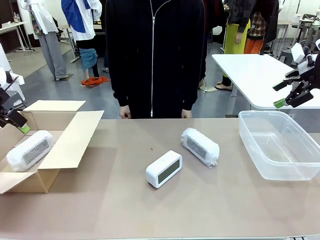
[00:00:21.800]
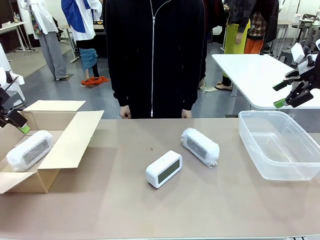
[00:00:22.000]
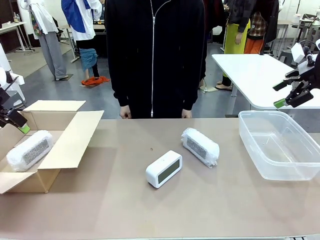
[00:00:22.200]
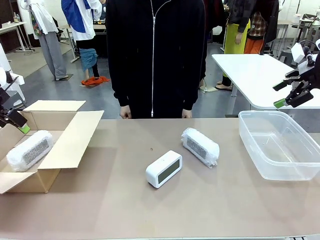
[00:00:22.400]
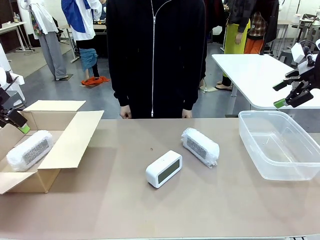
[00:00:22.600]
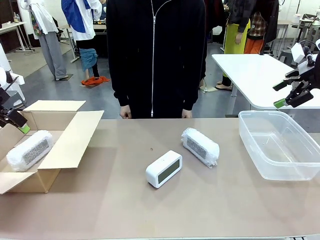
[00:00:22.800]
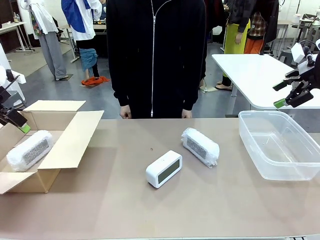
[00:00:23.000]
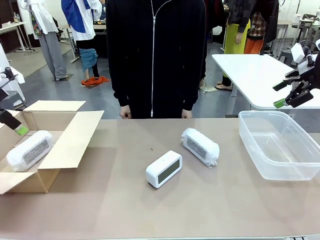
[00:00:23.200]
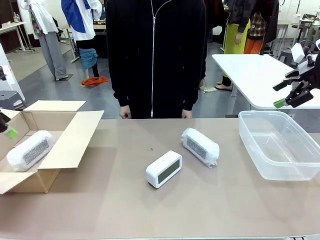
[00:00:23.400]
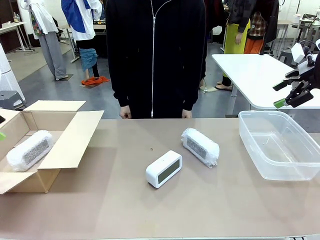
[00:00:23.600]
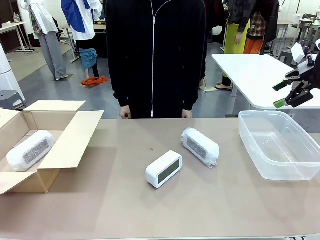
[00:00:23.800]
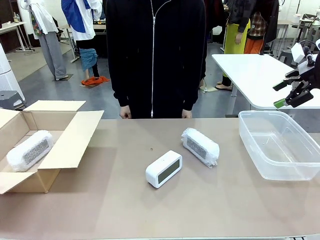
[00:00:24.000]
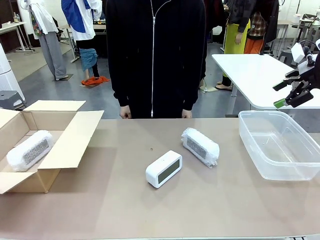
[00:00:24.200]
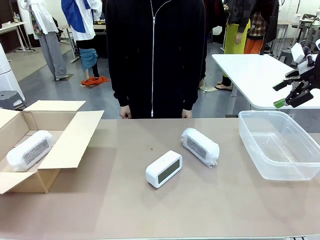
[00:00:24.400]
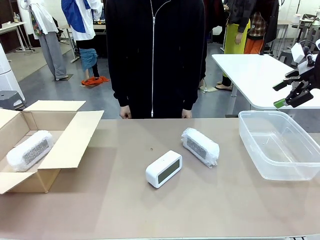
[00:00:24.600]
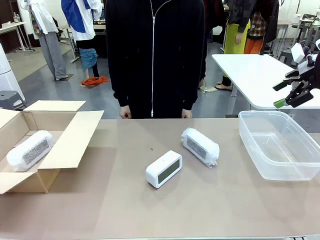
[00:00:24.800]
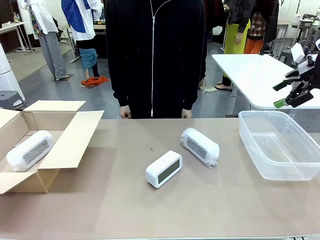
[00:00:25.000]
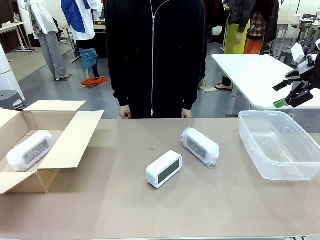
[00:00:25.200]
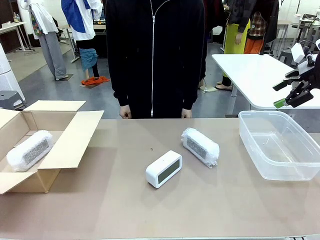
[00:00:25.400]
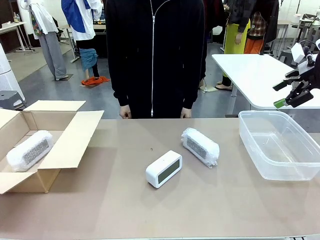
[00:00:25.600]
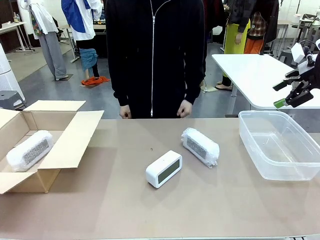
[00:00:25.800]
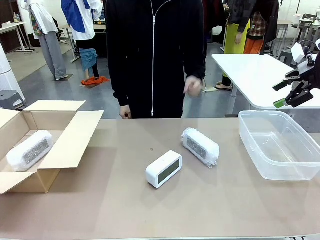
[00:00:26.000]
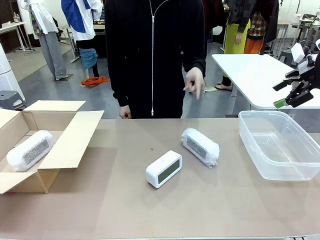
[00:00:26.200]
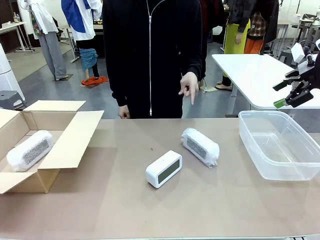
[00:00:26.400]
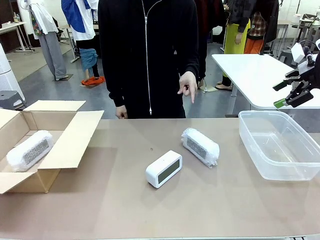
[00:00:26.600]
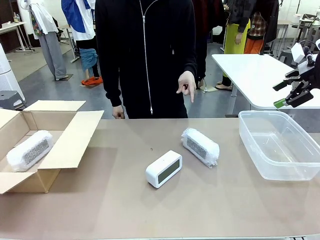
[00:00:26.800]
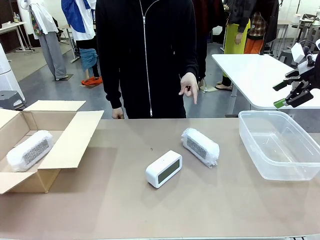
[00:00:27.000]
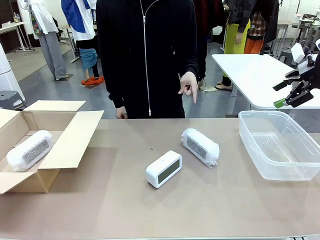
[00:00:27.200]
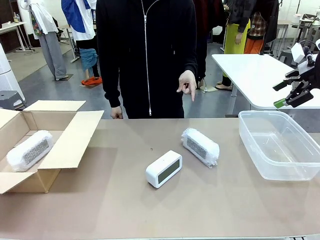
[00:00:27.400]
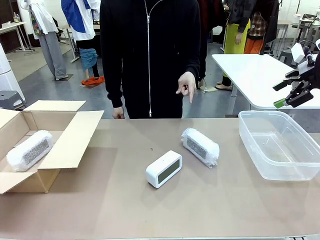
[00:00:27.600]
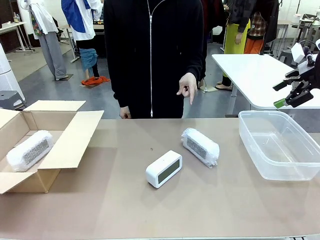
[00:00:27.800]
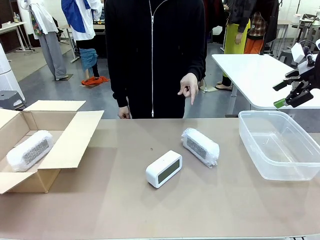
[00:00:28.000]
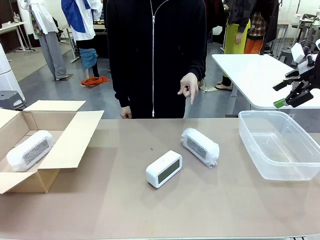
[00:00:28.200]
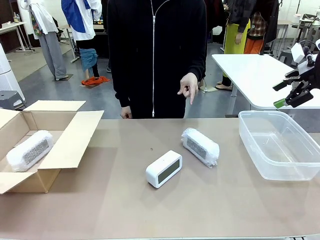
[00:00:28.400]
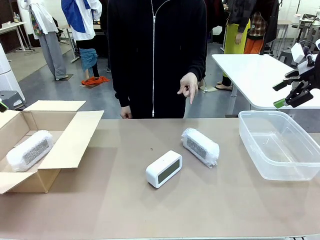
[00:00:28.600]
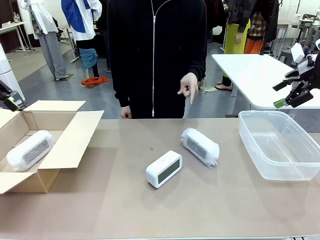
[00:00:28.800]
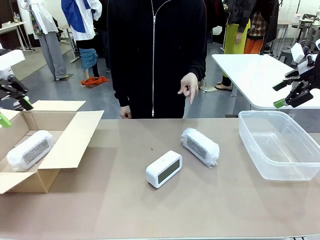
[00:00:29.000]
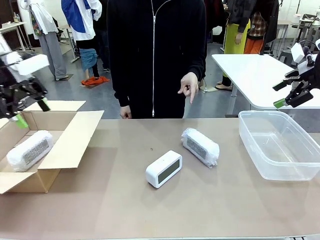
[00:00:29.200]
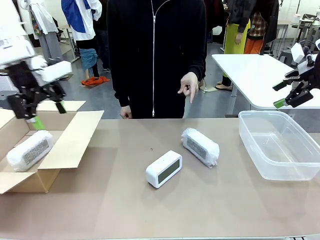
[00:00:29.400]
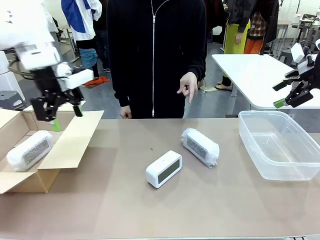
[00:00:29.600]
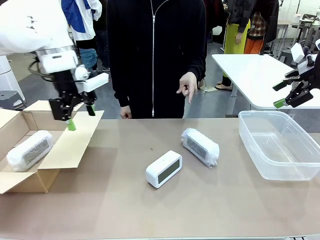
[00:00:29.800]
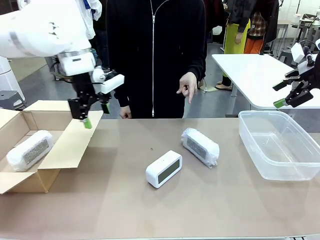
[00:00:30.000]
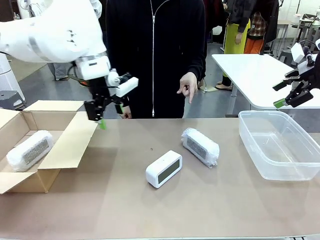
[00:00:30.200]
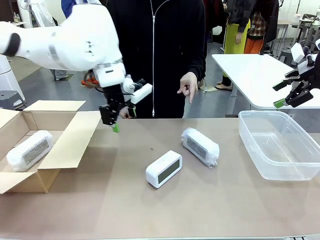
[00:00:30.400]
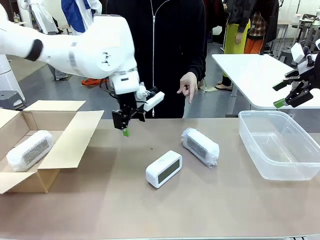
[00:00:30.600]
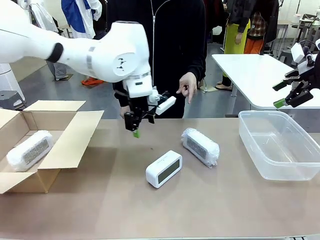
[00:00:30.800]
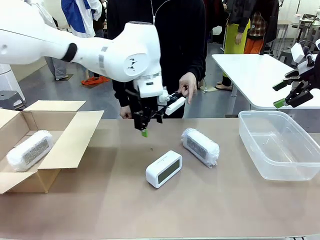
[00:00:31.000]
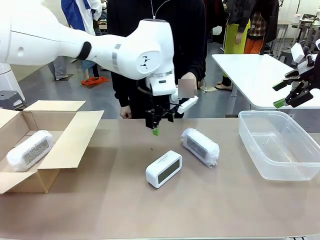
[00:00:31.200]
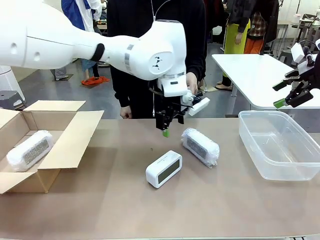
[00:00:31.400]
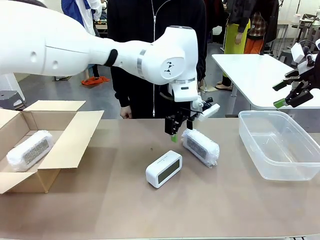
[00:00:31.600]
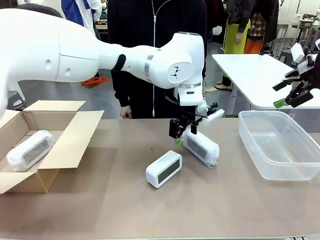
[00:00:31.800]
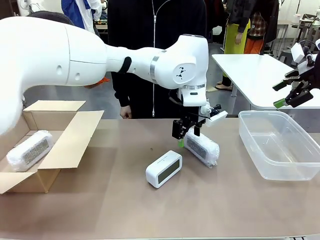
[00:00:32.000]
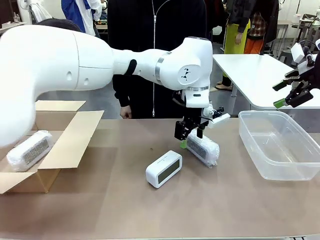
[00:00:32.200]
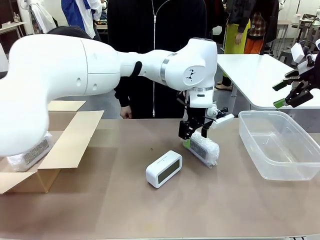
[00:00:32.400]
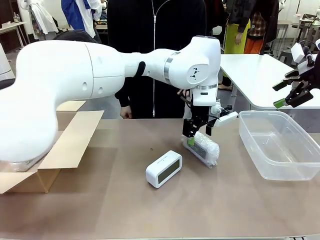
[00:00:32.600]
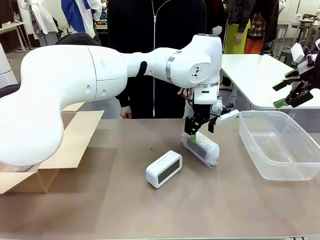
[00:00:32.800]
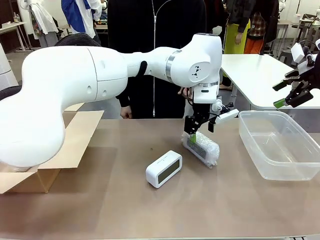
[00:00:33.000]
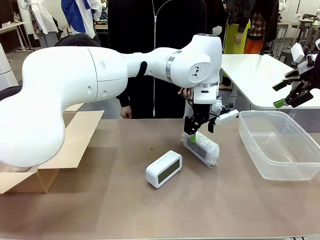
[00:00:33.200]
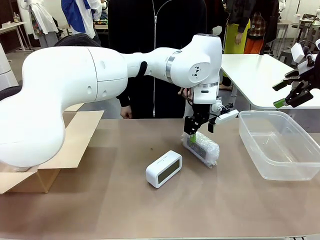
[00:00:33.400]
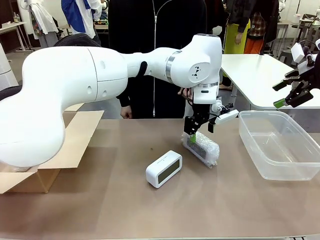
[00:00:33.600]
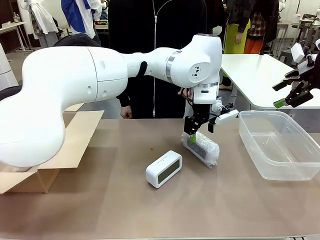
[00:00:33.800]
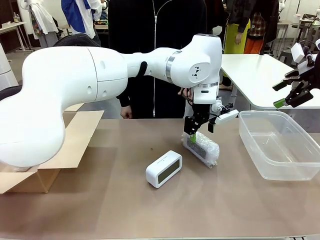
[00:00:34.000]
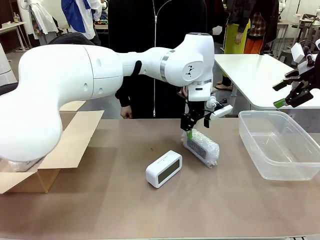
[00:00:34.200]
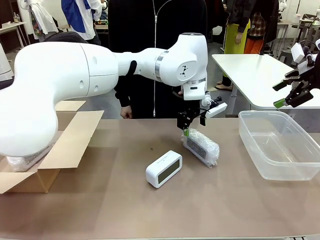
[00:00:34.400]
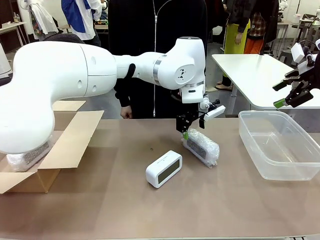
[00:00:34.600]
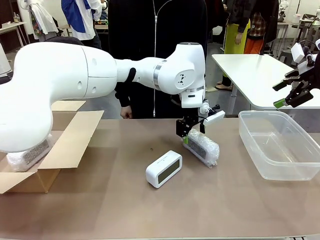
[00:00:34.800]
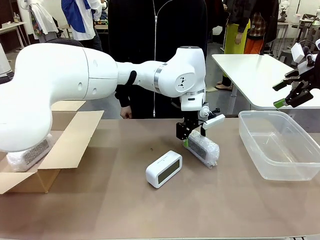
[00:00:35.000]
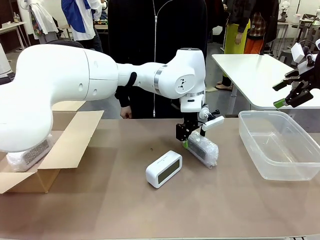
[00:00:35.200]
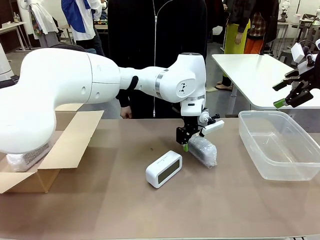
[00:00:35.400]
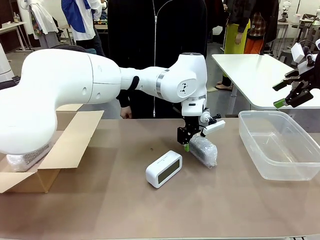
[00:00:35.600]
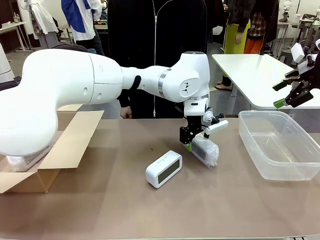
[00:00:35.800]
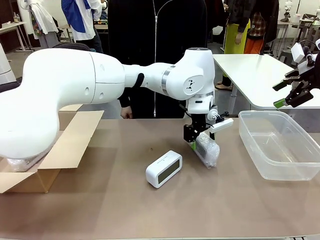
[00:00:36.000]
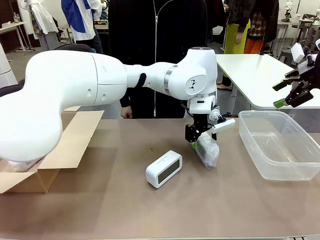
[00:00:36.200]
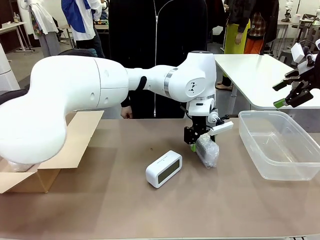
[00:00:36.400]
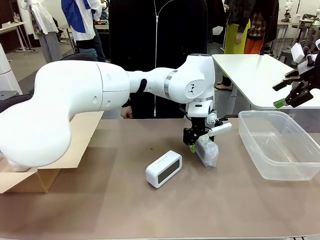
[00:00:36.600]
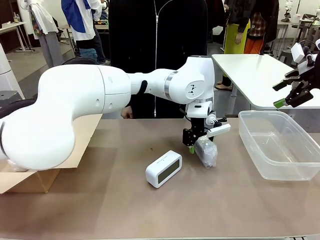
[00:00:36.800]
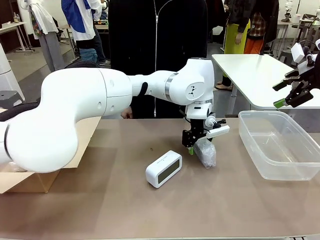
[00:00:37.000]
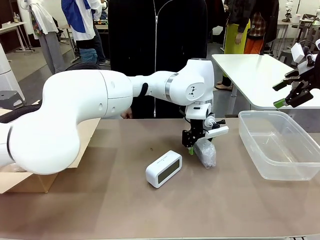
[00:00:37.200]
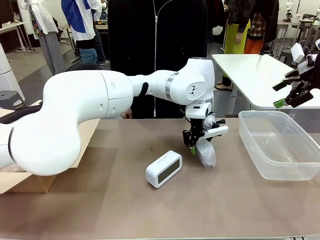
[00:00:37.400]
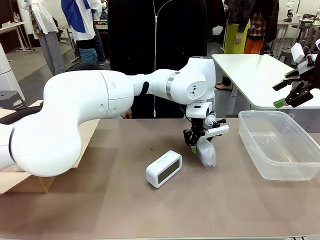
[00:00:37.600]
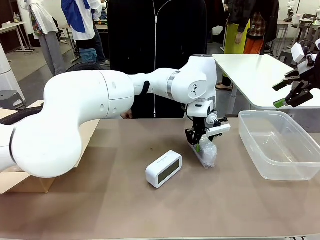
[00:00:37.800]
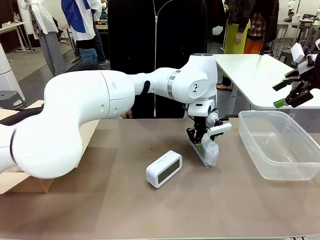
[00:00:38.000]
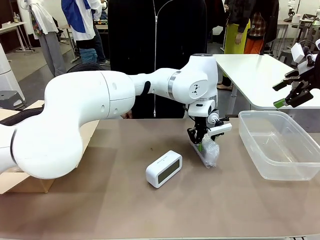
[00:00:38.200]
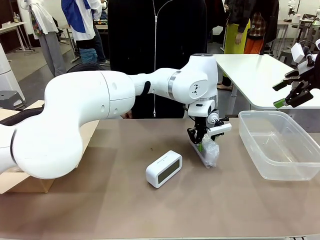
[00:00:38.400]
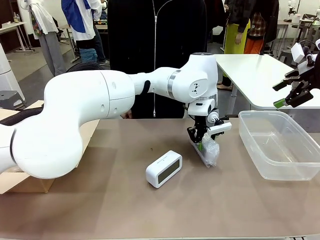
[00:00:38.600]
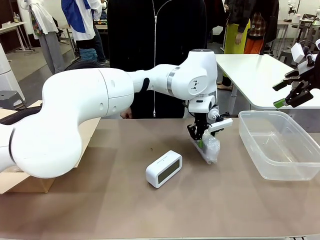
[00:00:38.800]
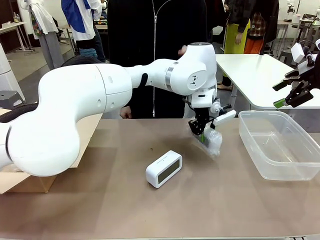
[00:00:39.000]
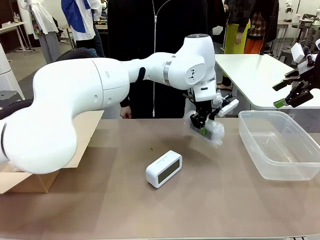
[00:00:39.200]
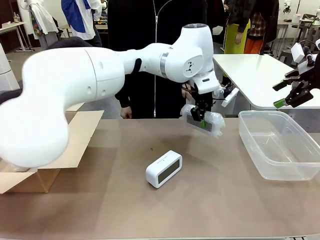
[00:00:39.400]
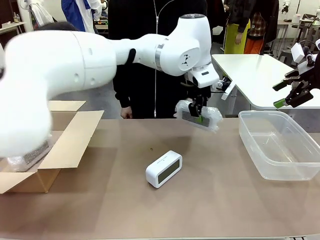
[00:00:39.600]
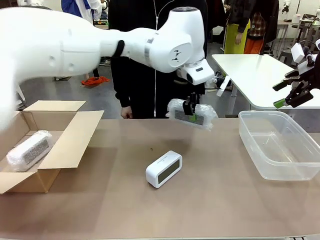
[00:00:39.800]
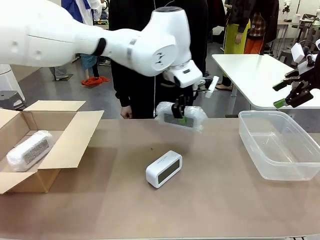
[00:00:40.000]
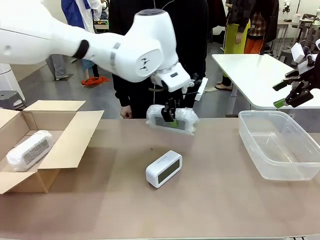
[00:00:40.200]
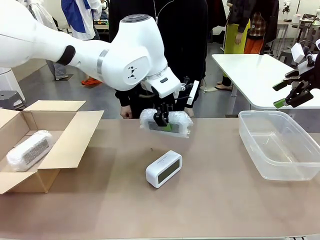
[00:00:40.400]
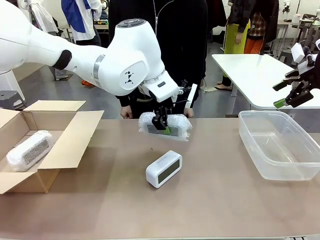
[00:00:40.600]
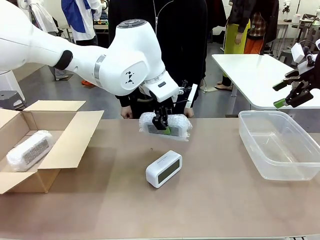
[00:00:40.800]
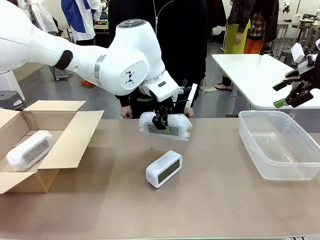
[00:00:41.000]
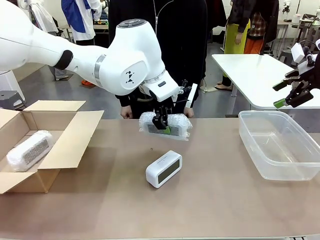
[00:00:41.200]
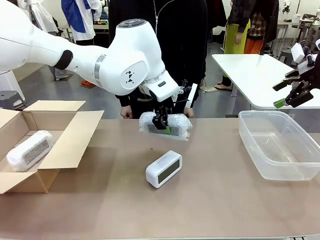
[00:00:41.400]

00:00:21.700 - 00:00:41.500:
Task: Separate and place wrapped and unwrapped clocks.
Robot: Pick up the Digital clock indicated by the person.
